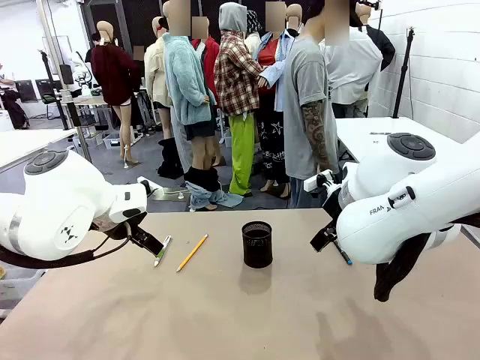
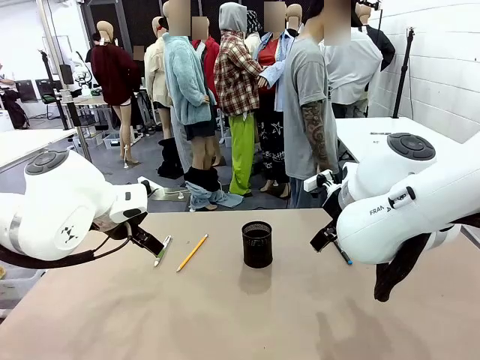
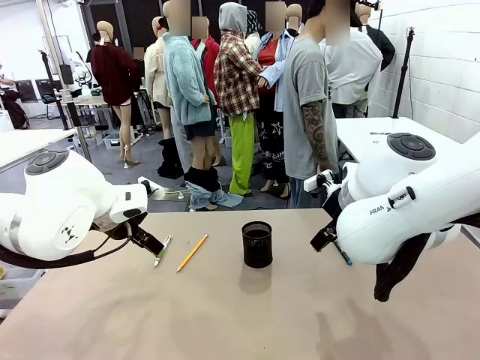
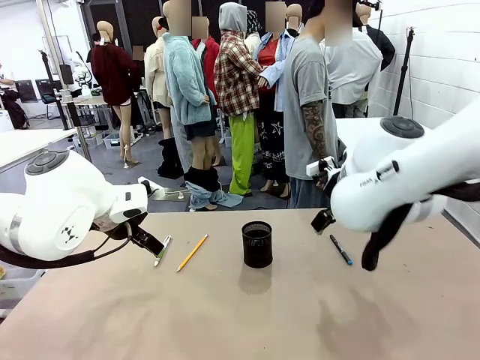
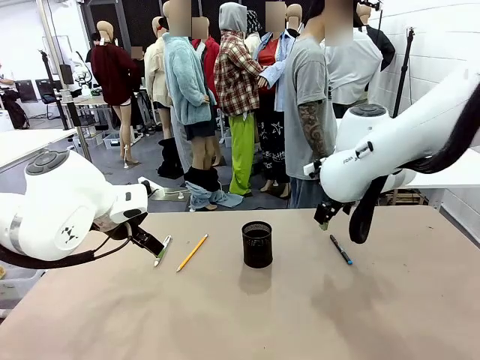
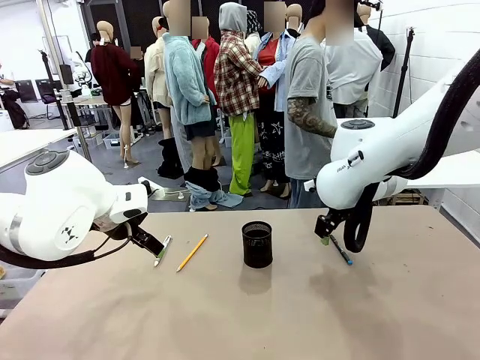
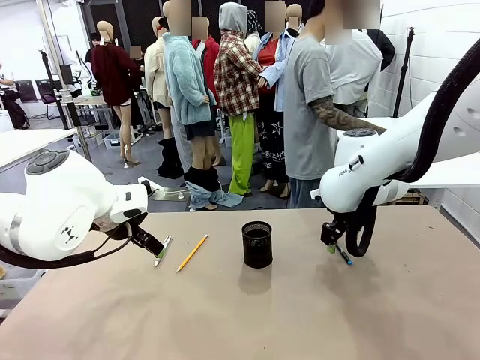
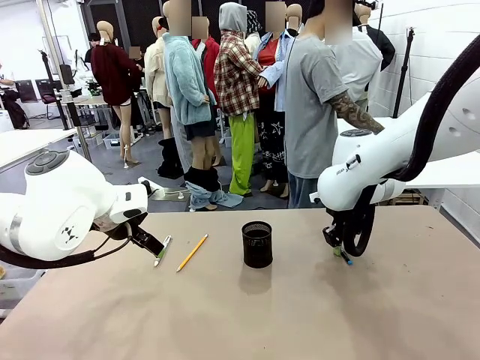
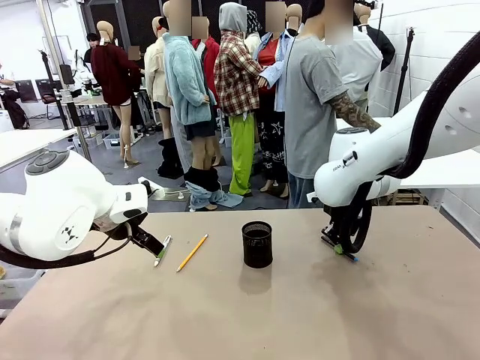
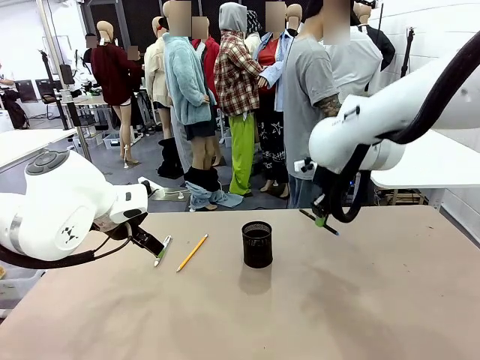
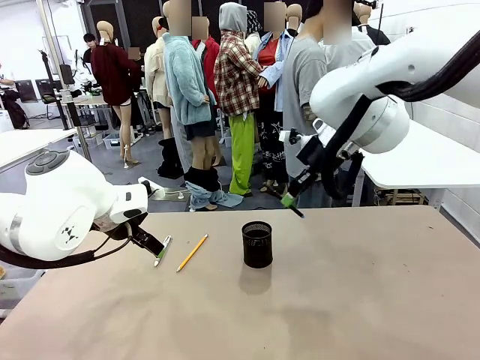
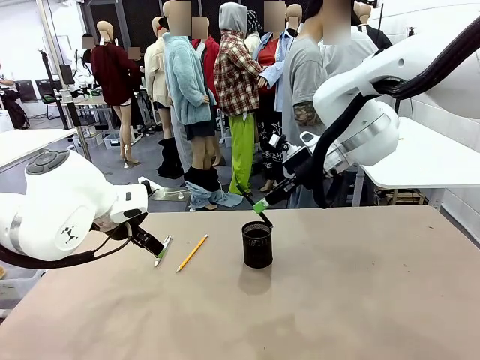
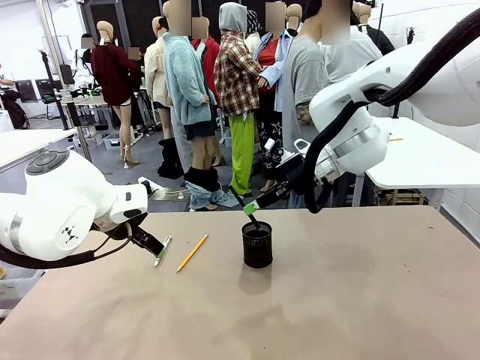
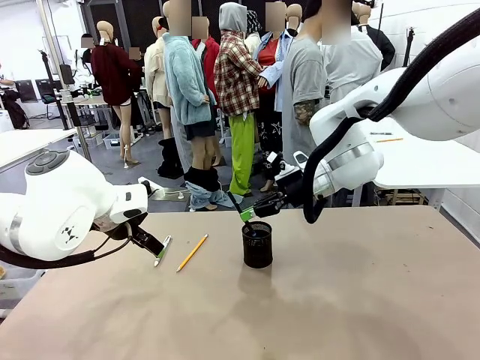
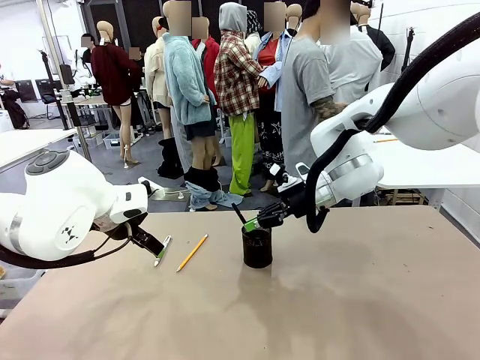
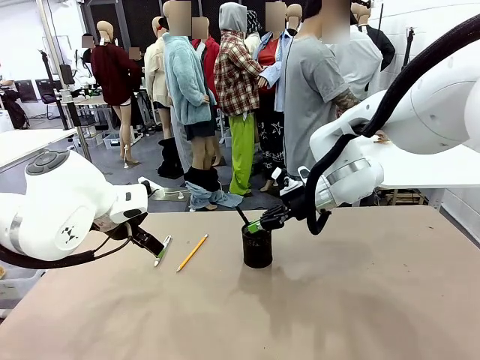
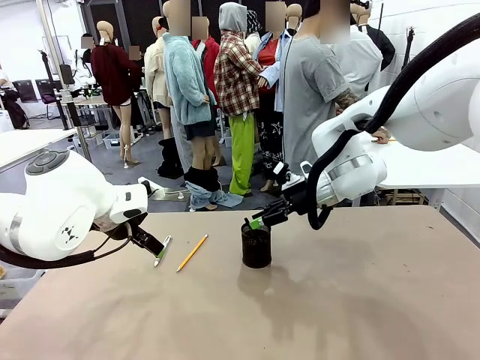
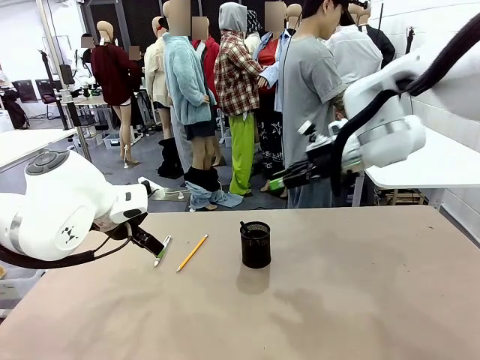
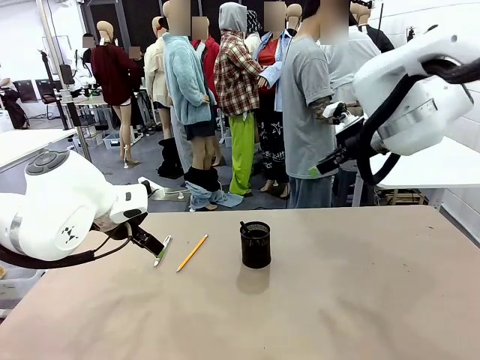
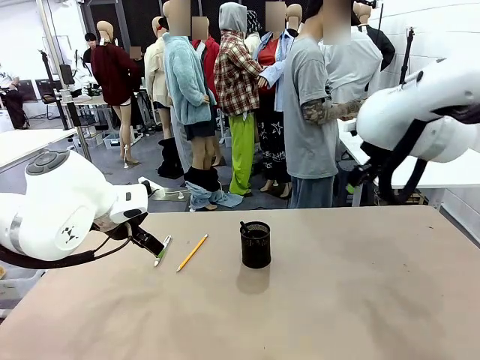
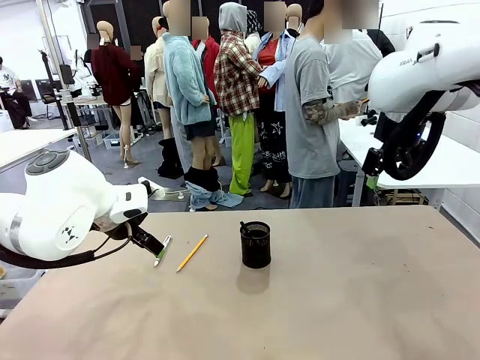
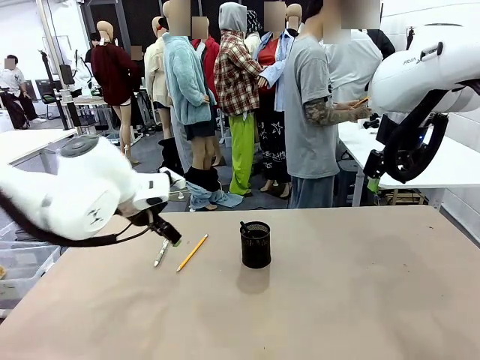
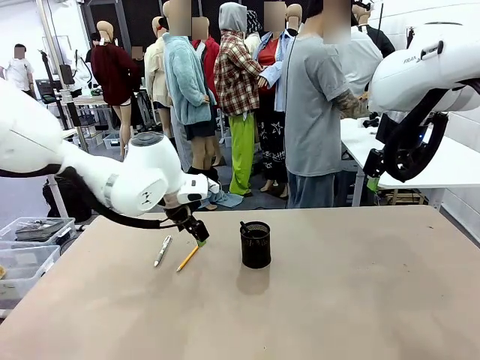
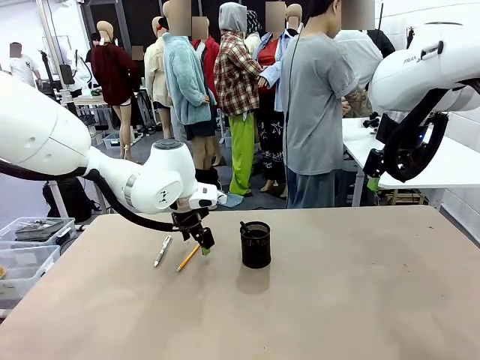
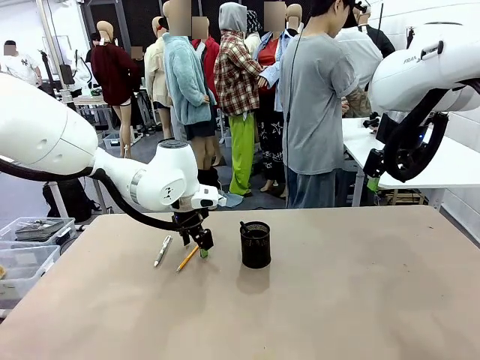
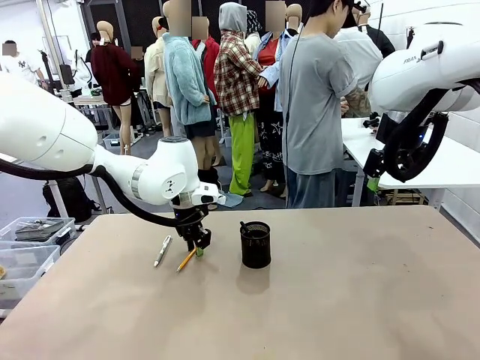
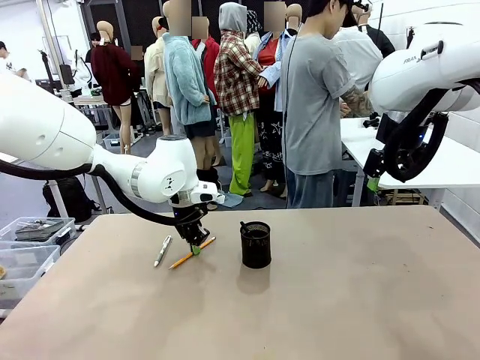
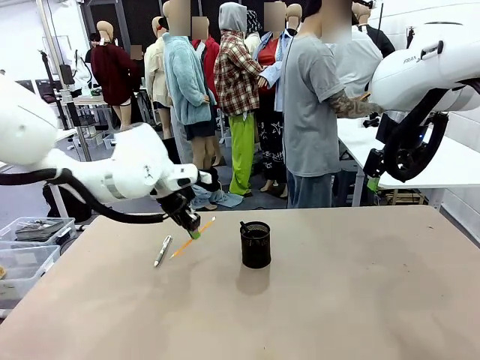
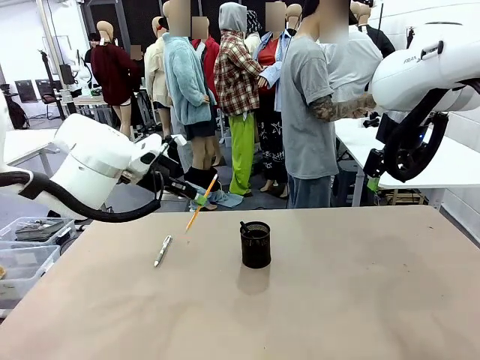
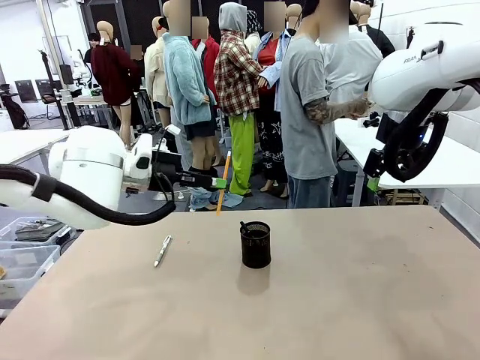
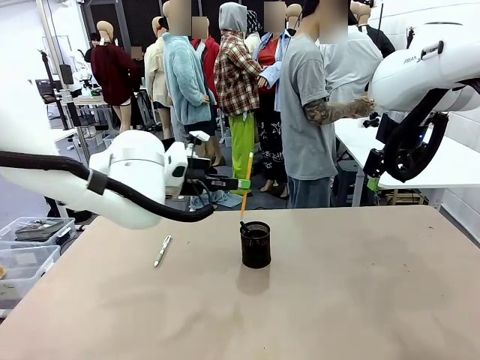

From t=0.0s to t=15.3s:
Task: Place the pens into the pen holder.
Robot: Pick up a writing instrument from the table and place it into the Pen holder.
Person: Pick up all writing instruments from the Human table.

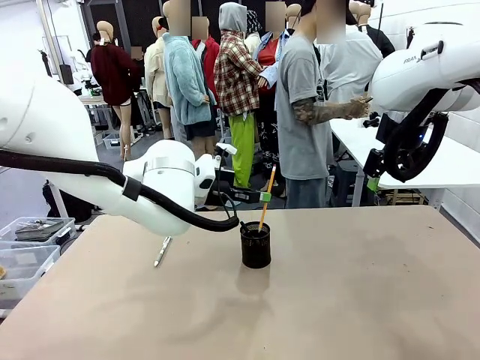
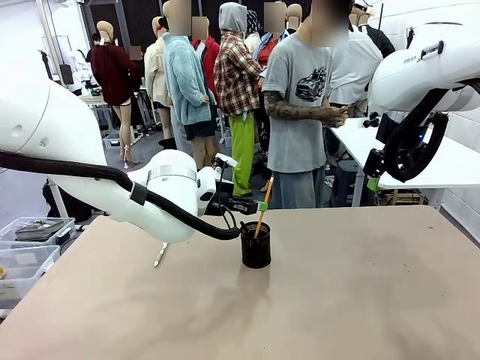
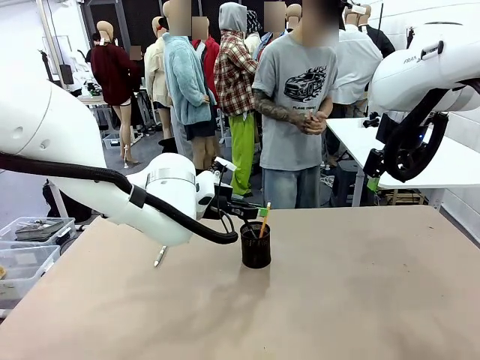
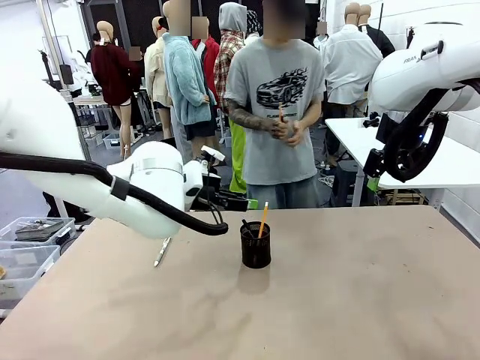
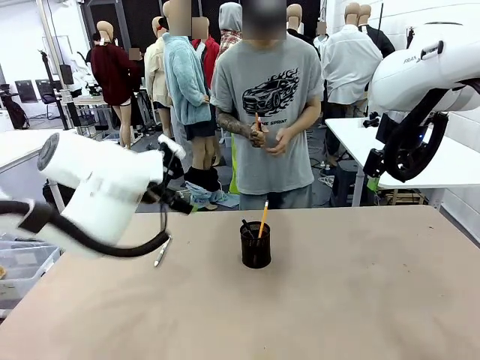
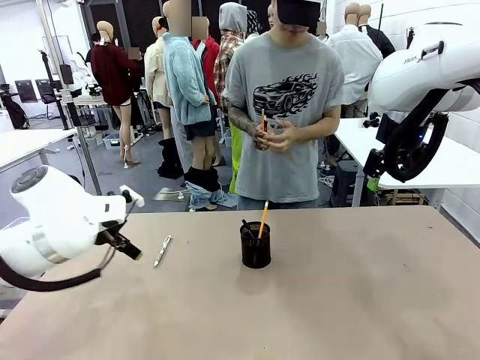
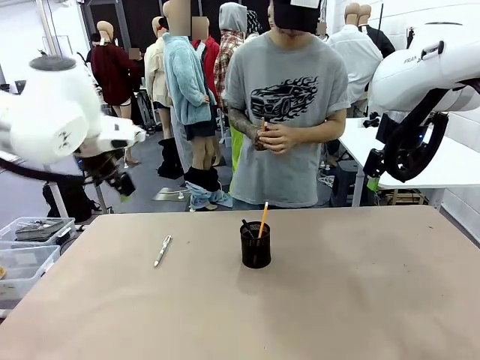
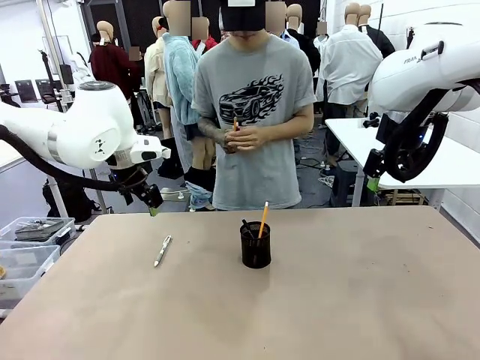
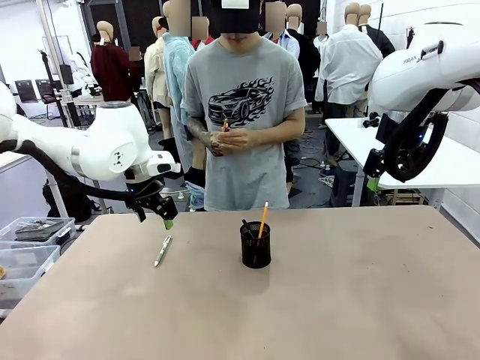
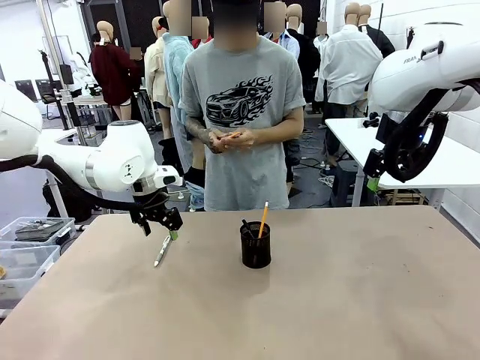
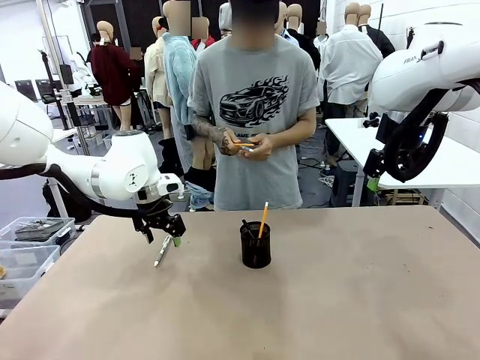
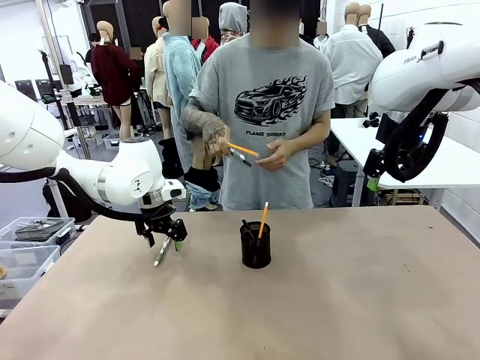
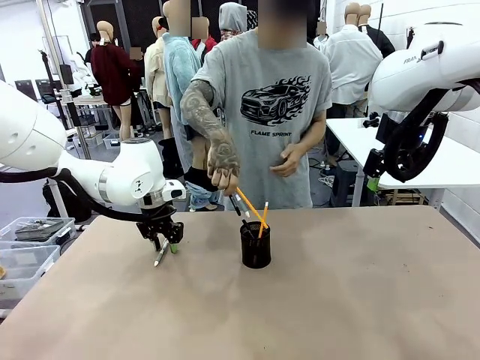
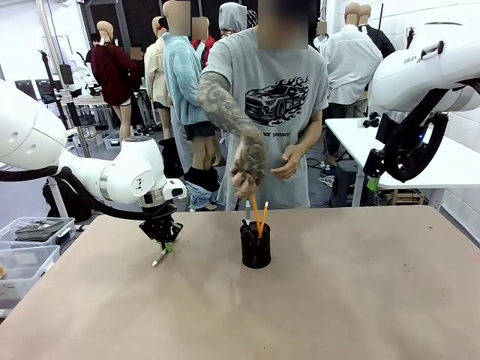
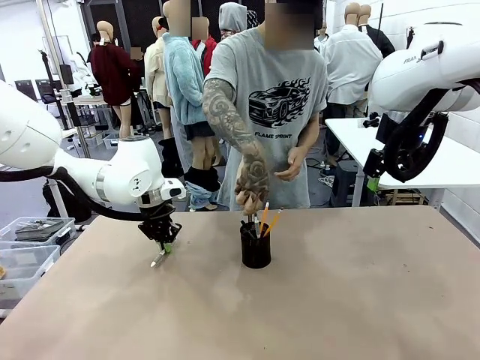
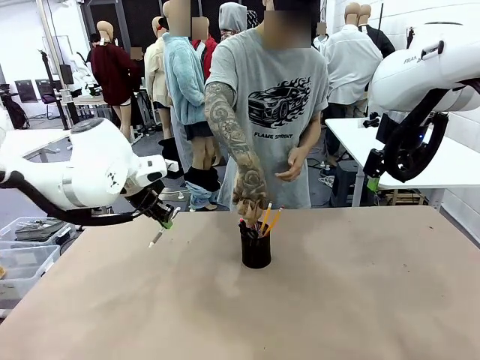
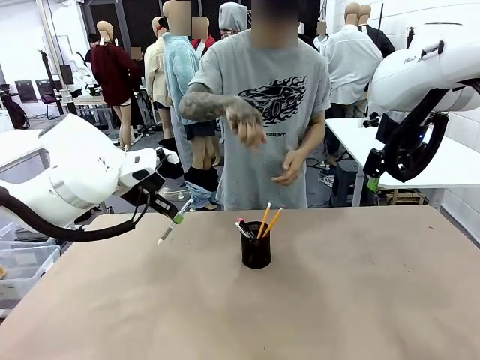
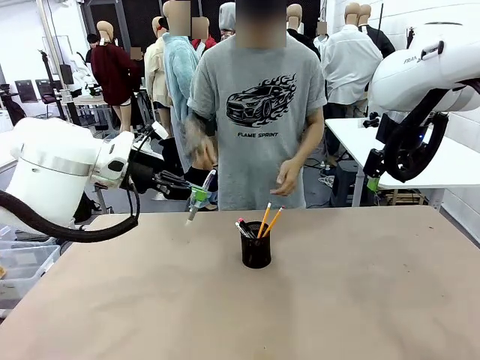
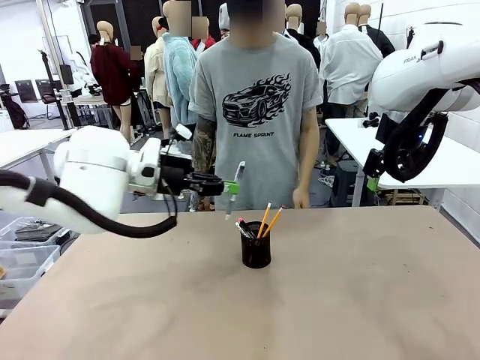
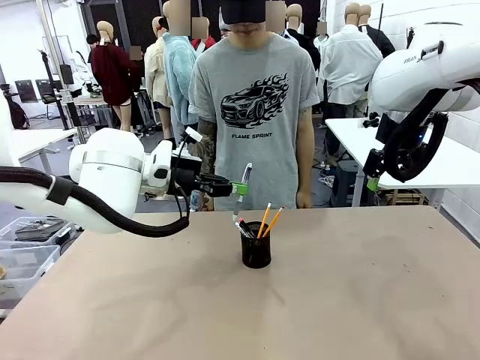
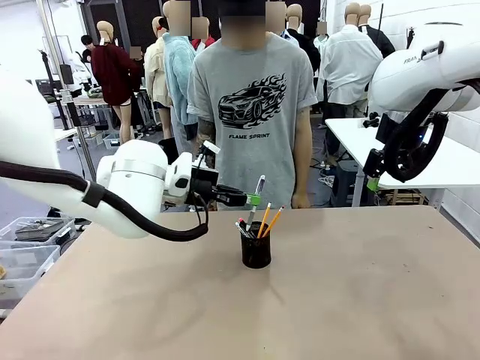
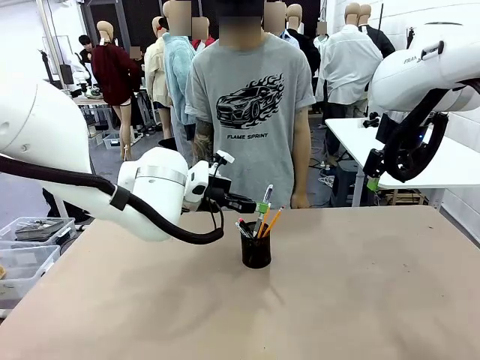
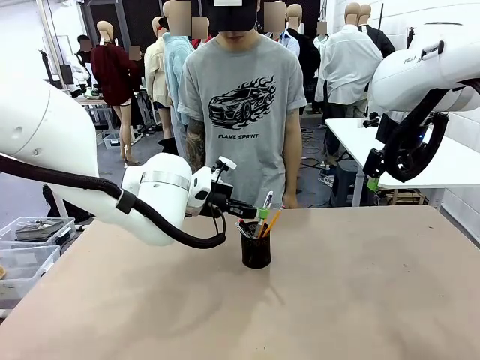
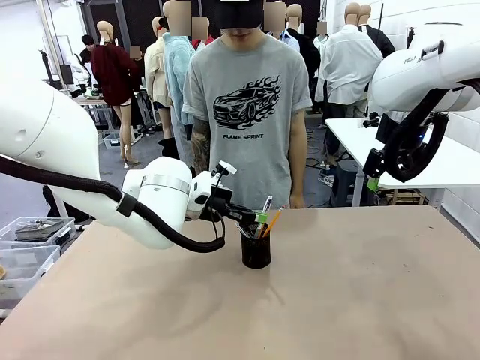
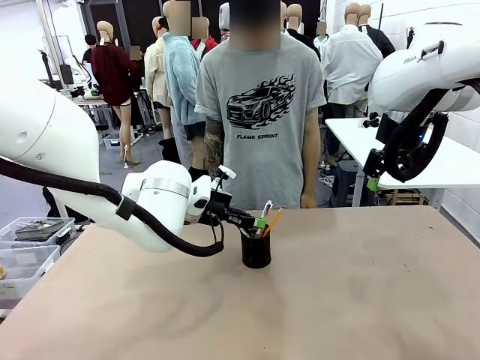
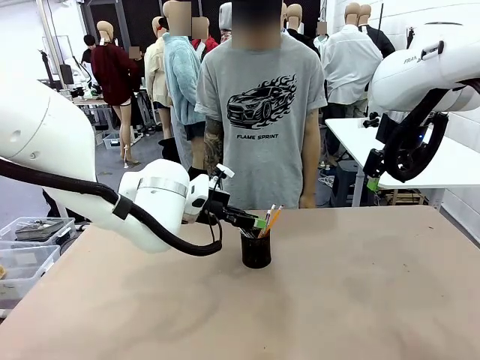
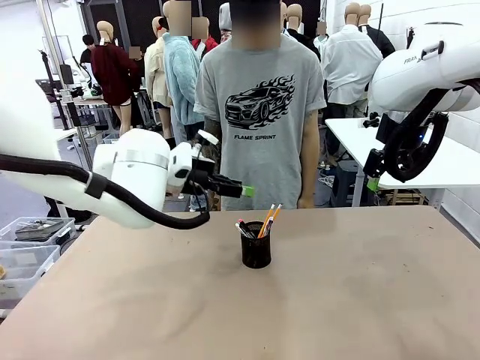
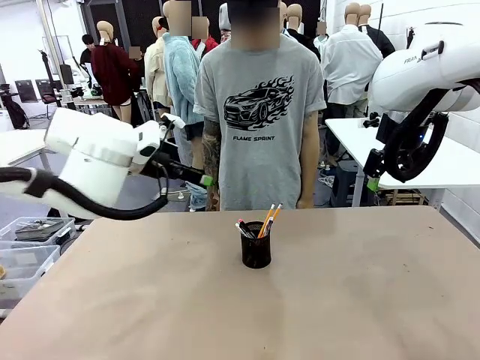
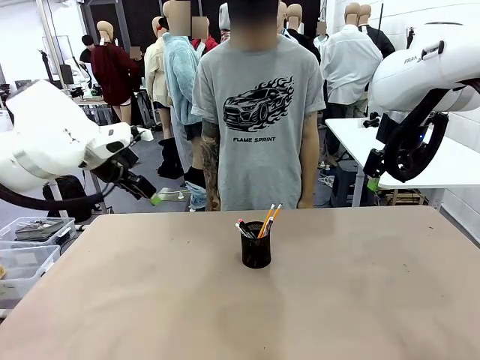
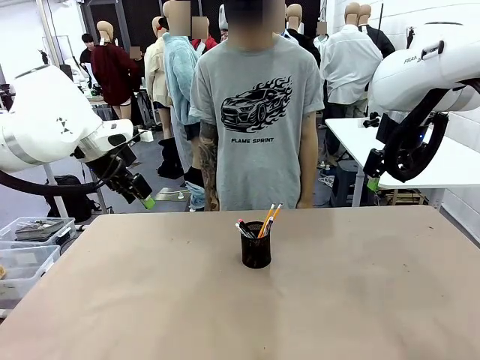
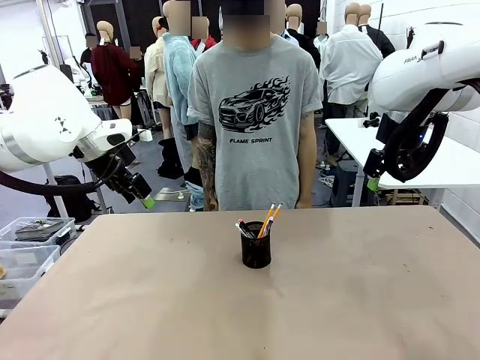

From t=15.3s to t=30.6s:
Robot: Pick up a writing instrument from the table and place it into the Pen holder.
Person: Place all writing instrument into the Pen holder.
